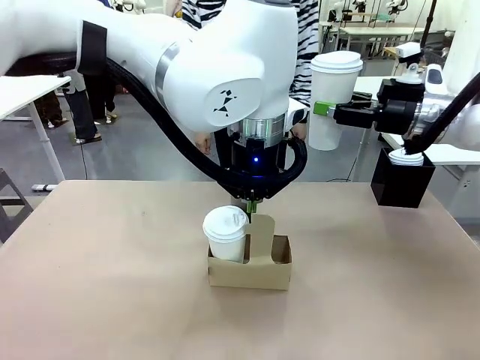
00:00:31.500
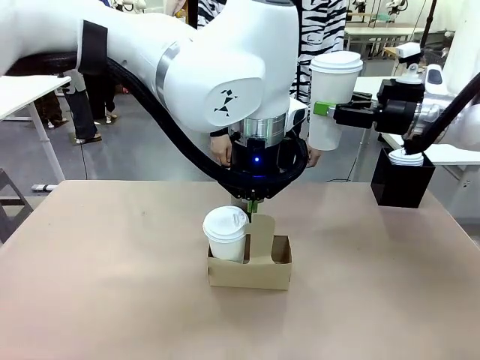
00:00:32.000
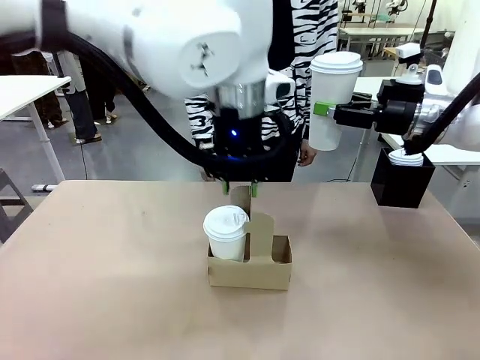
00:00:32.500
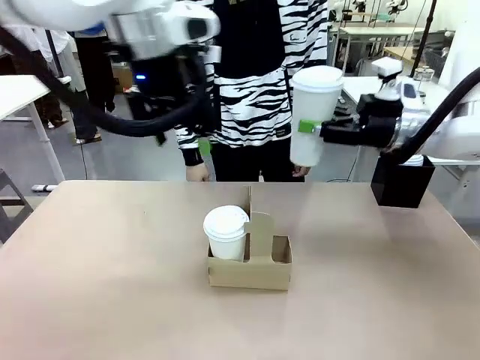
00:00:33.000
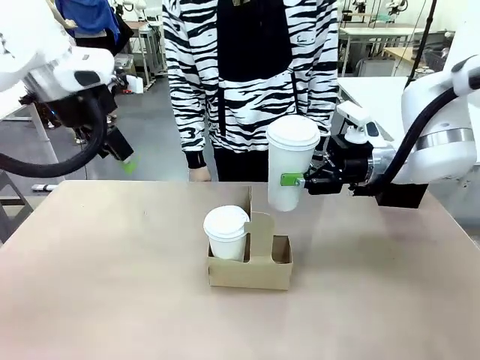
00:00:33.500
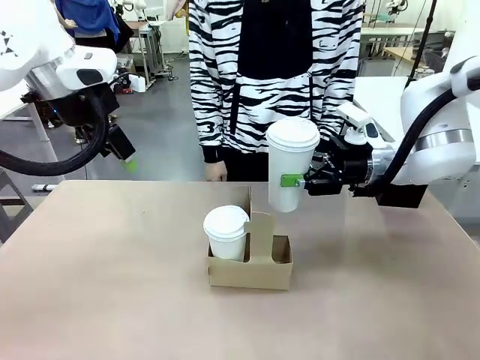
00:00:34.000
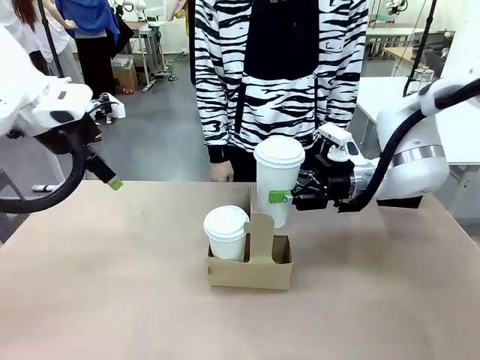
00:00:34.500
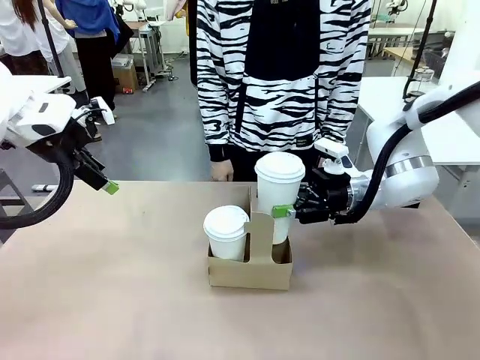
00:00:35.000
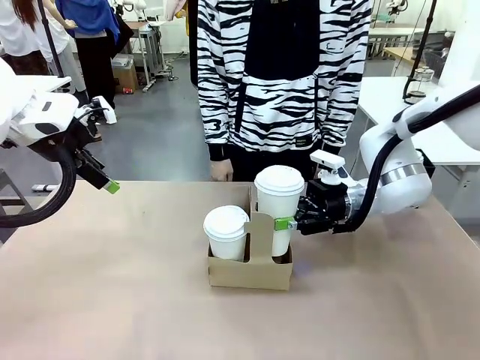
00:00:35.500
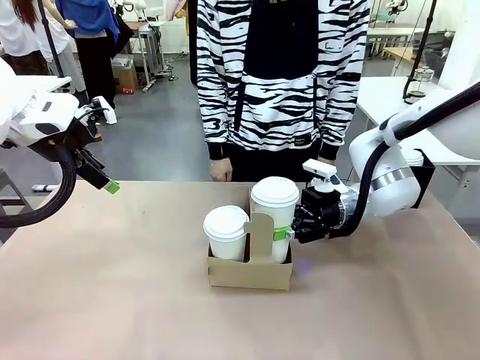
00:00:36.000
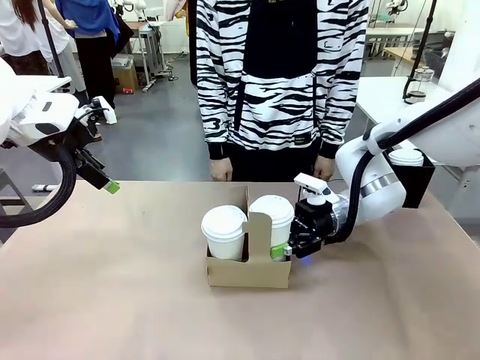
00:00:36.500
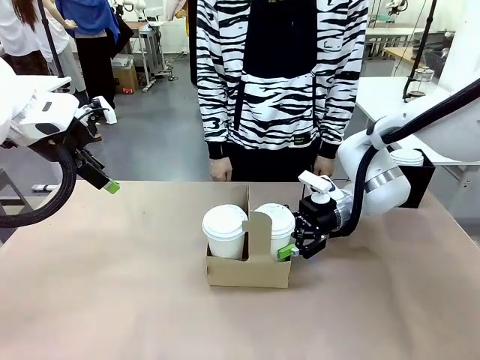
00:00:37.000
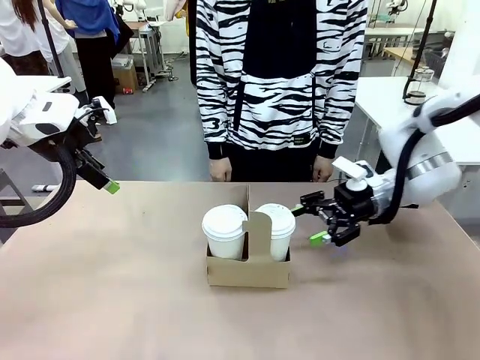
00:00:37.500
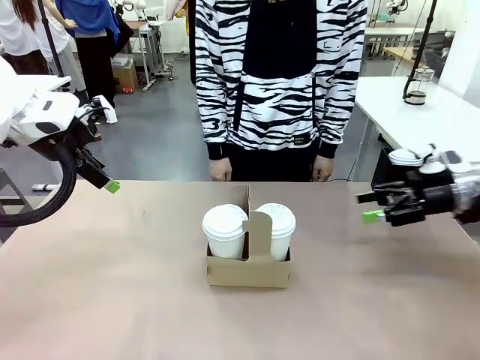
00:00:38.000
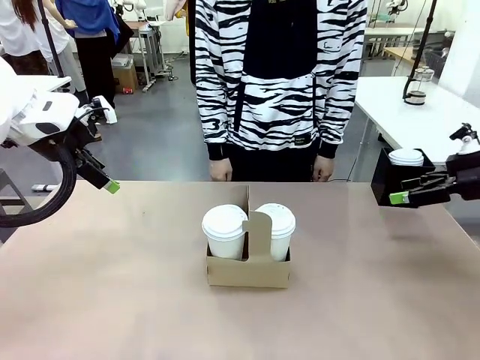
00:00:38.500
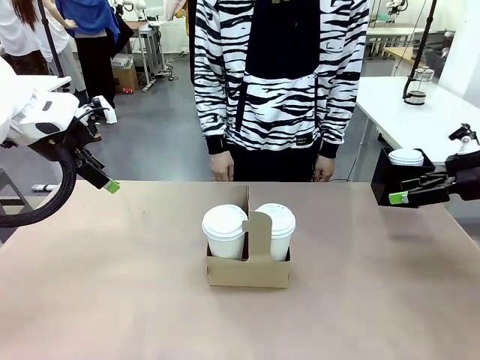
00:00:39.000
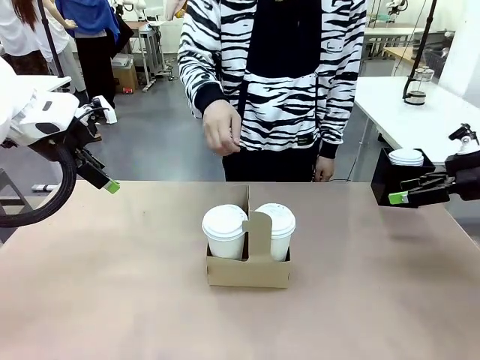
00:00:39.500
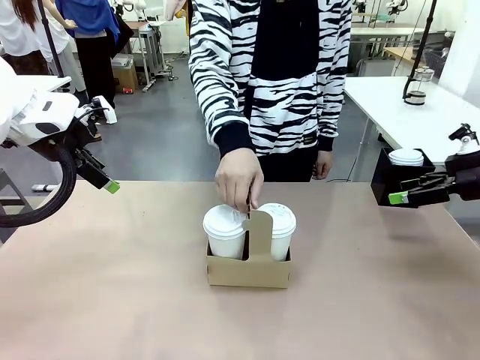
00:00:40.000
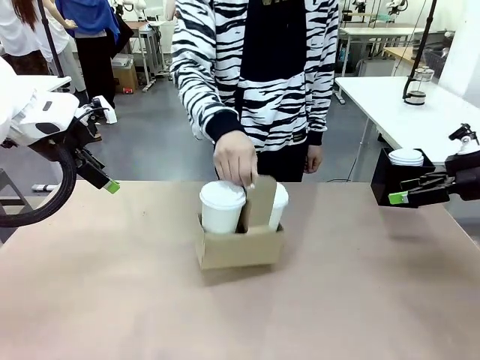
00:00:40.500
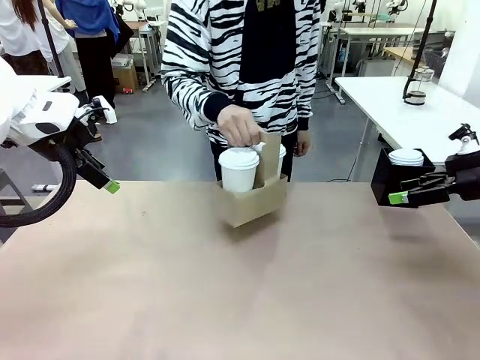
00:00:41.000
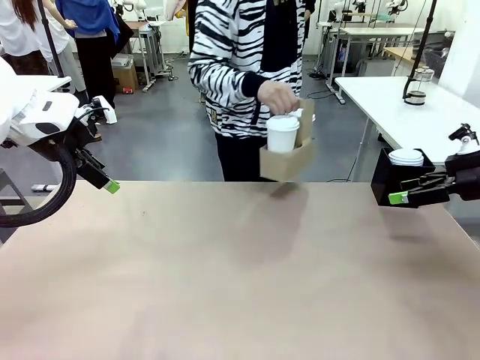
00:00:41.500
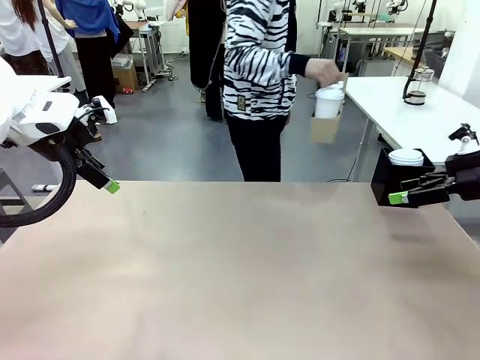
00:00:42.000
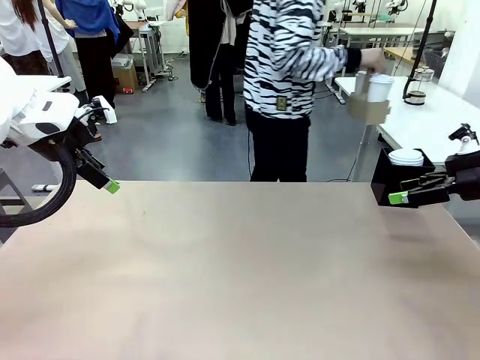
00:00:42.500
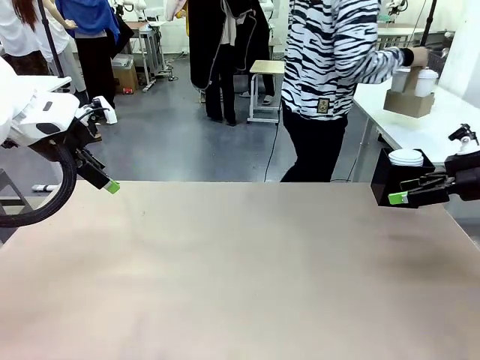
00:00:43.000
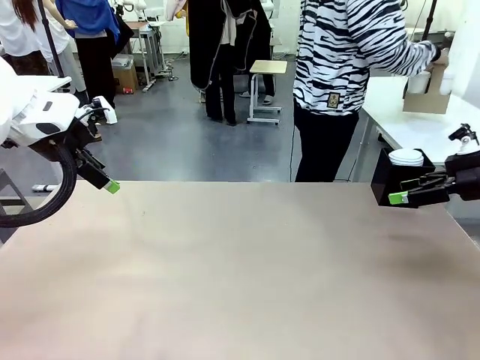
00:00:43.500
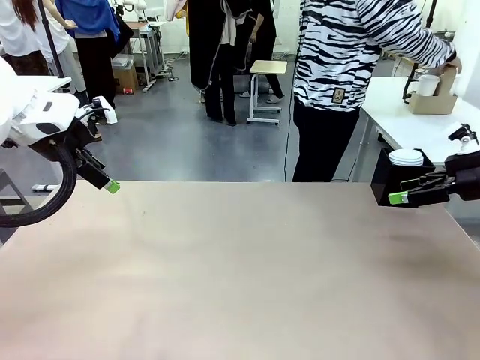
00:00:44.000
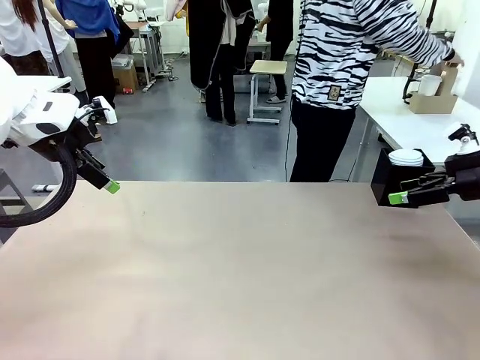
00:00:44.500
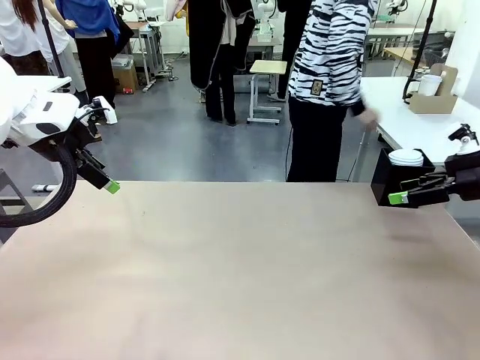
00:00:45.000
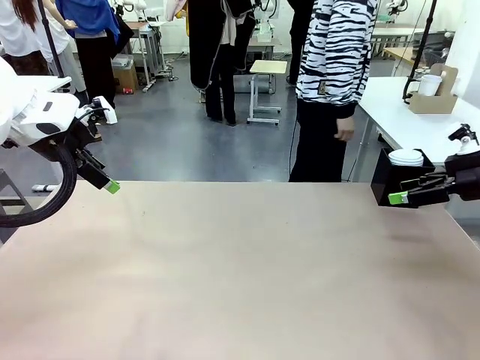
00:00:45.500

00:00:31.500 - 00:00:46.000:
Task: Pour a drink into a cup and package it in a carrier.
Robot: Insert the held 600 ml Paper Cup into the Cup Carrier.
Person: Place the Cup Carrier to the middle of Human table.

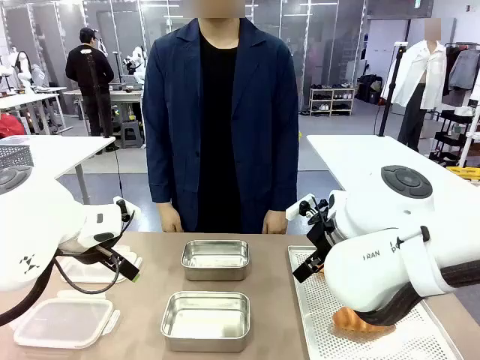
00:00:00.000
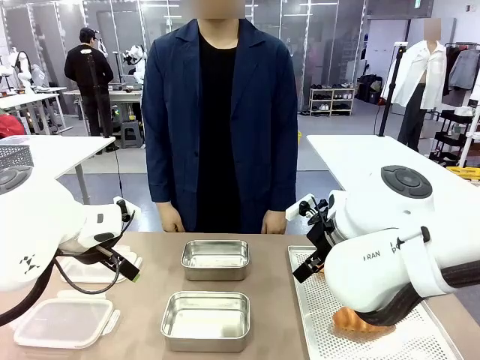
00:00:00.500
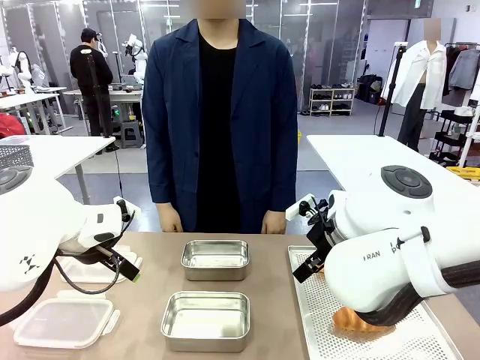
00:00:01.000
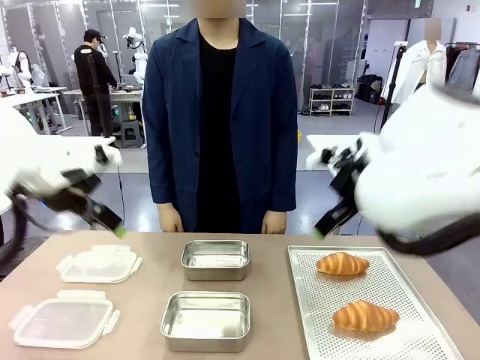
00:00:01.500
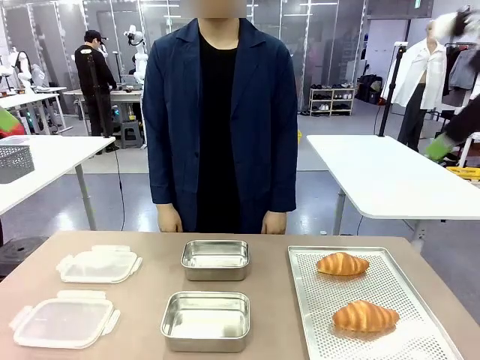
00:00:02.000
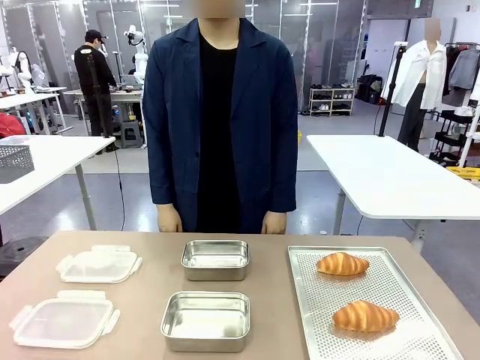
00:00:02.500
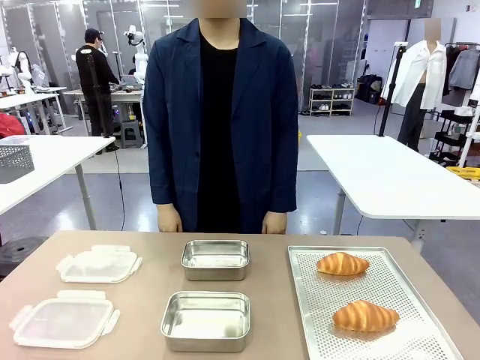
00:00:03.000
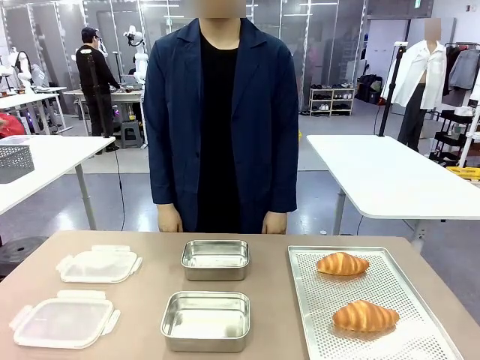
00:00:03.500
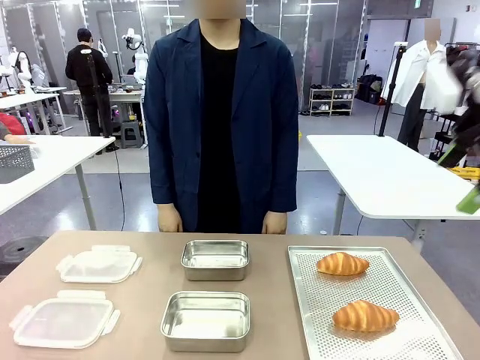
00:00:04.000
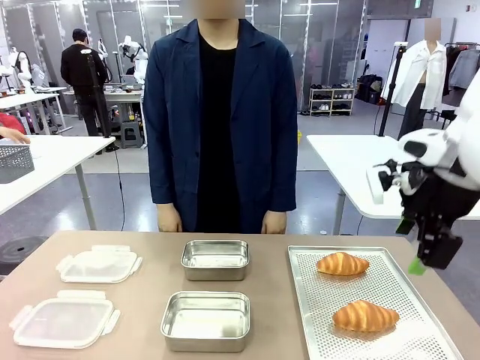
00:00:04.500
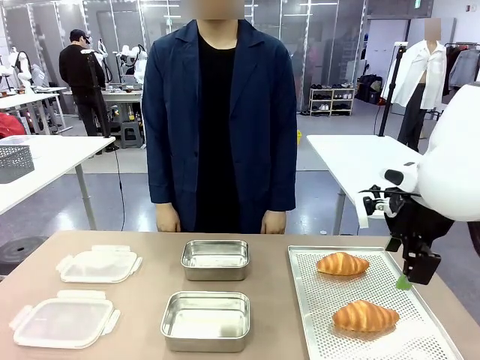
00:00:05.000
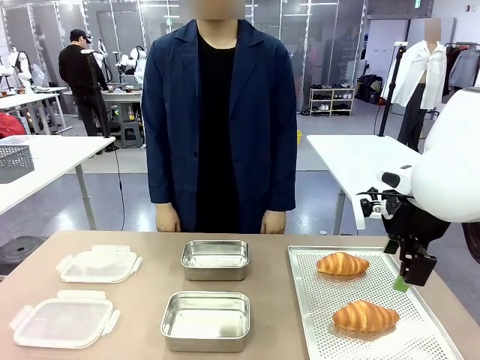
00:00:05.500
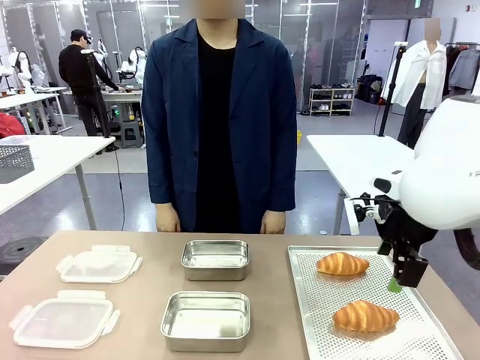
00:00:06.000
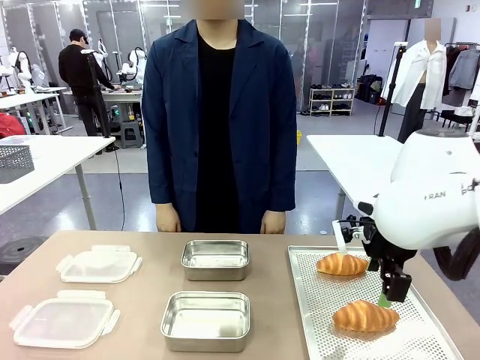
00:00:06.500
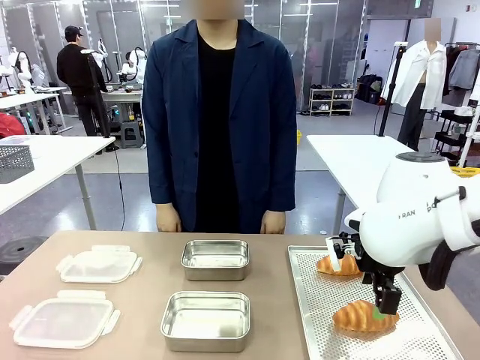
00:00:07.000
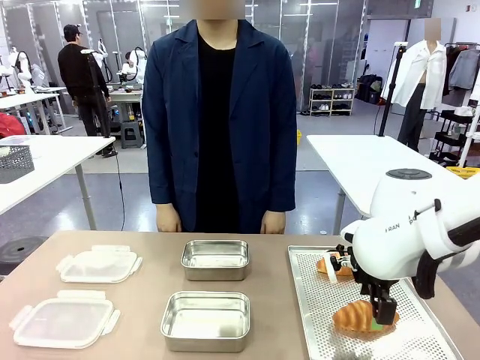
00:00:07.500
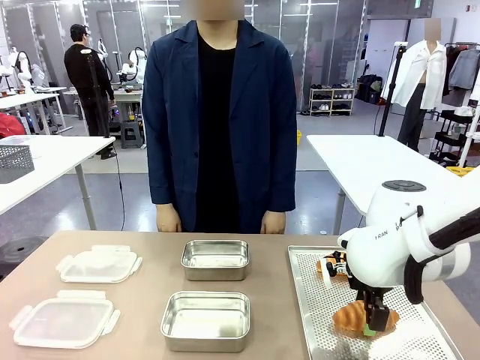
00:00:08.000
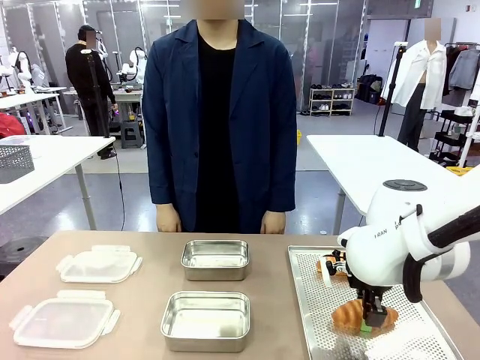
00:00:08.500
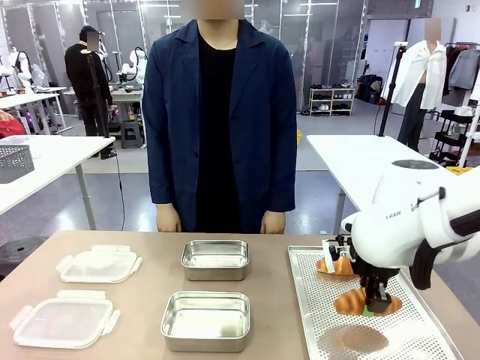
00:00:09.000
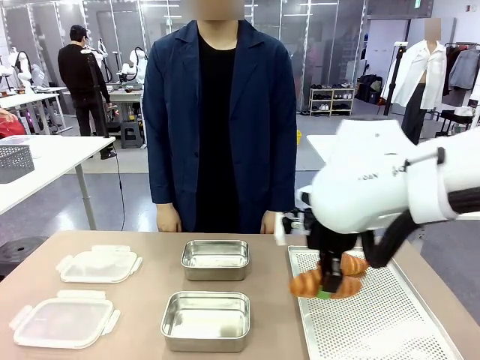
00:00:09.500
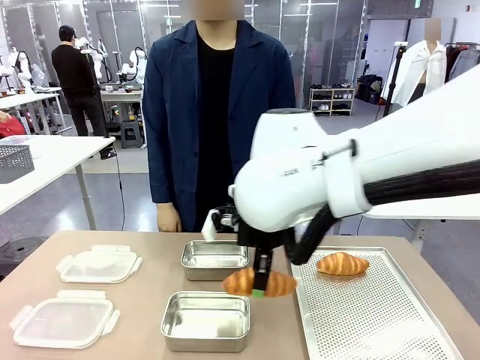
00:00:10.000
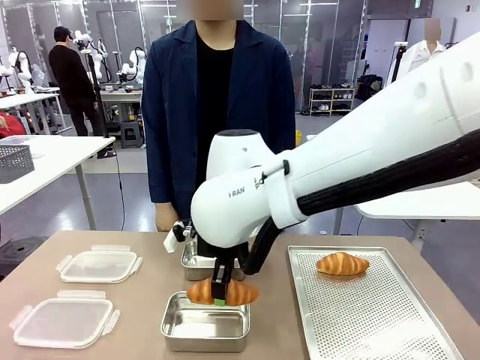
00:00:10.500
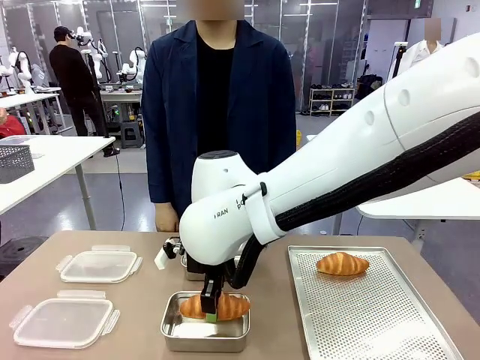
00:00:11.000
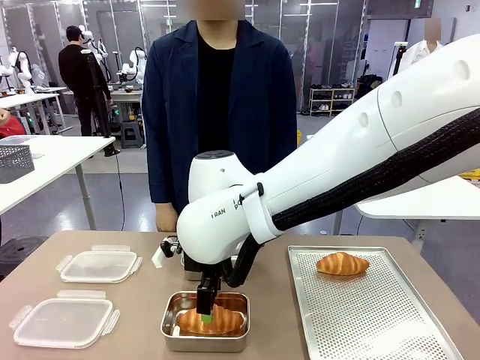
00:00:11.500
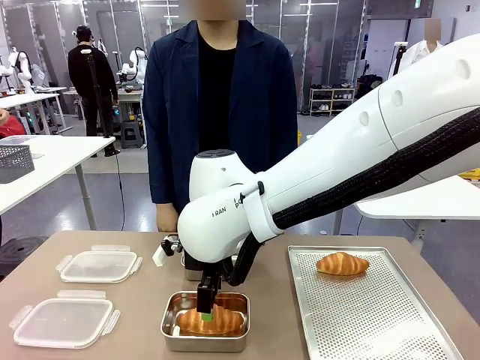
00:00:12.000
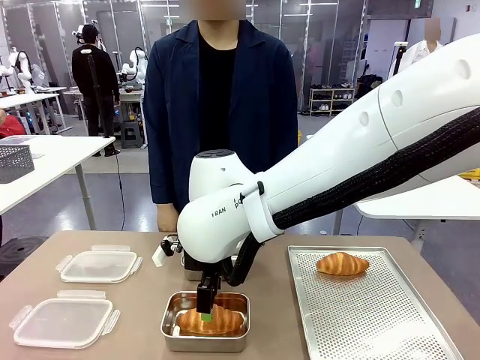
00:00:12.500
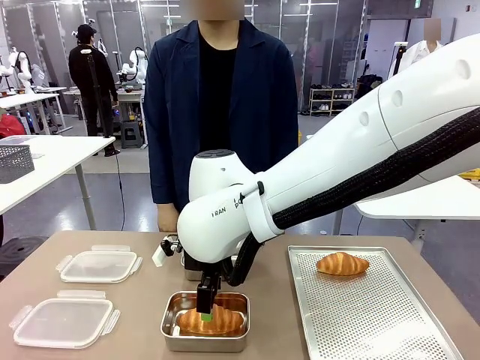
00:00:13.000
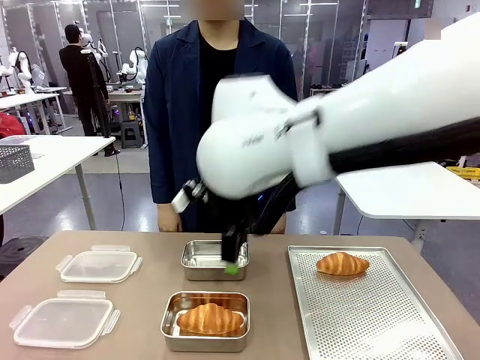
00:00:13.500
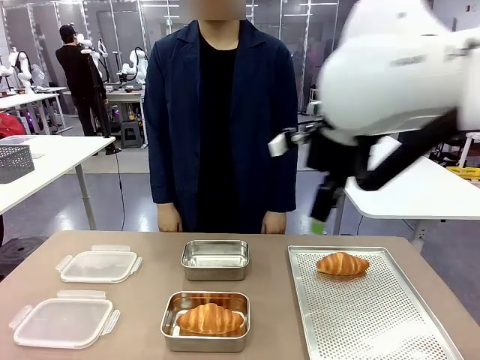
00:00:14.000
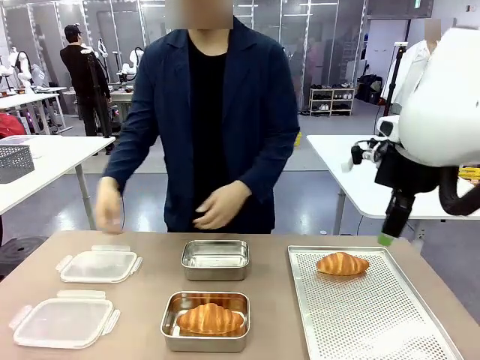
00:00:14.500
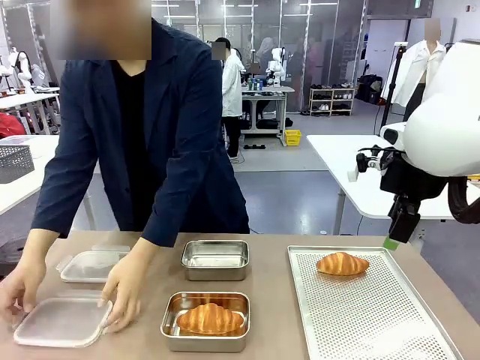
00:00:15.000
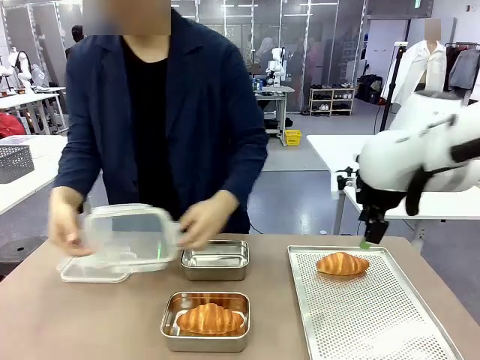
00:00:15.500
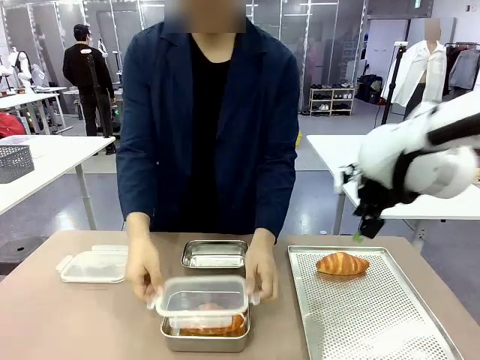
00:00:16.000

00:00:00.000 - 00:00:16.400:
Task: Place the bread into the airtight container.
Robot: Pick up a Butter Roll and place it into an empty Airtight Container.
